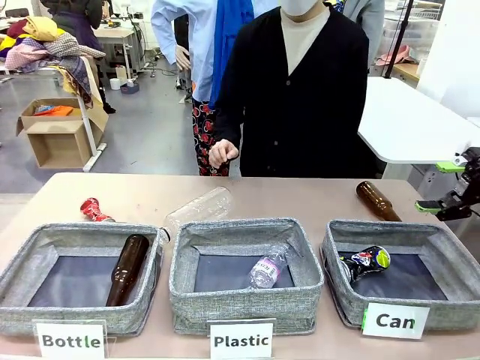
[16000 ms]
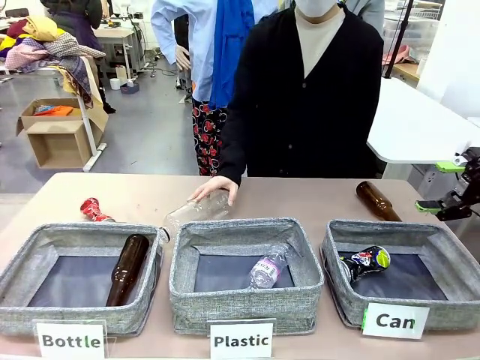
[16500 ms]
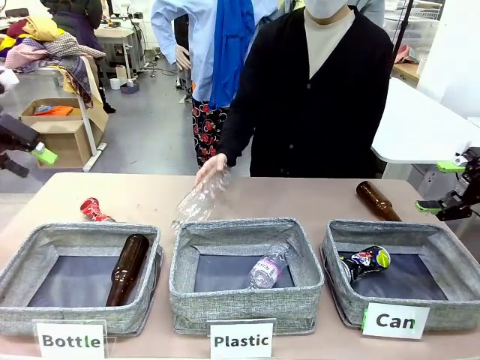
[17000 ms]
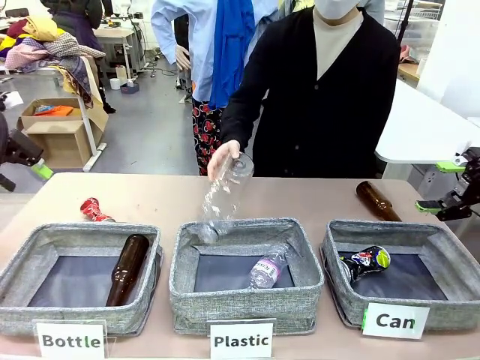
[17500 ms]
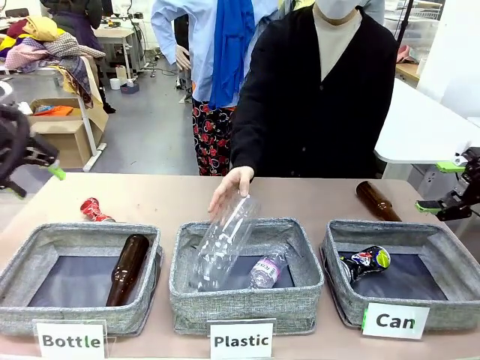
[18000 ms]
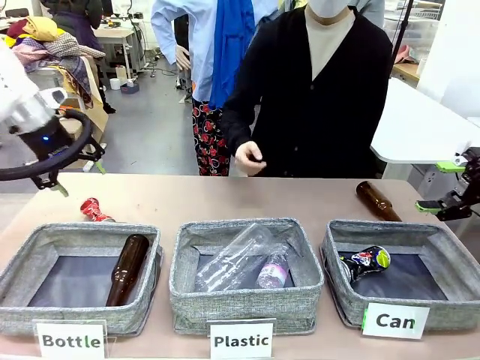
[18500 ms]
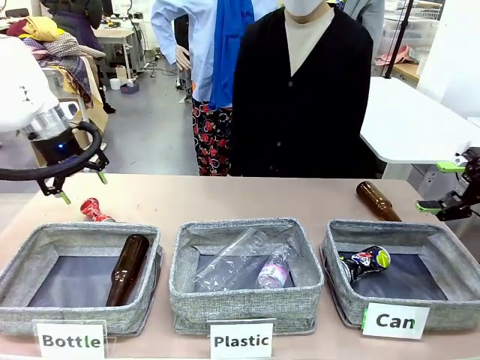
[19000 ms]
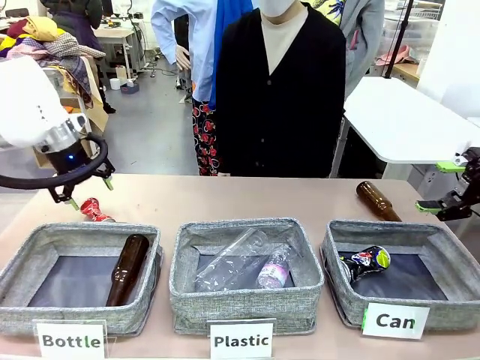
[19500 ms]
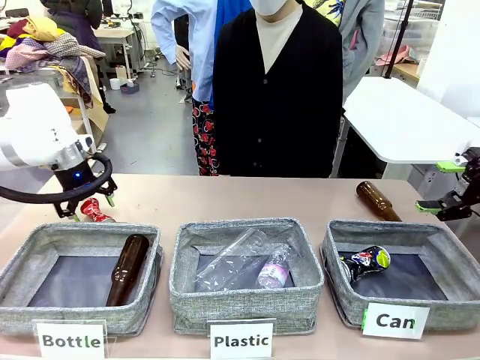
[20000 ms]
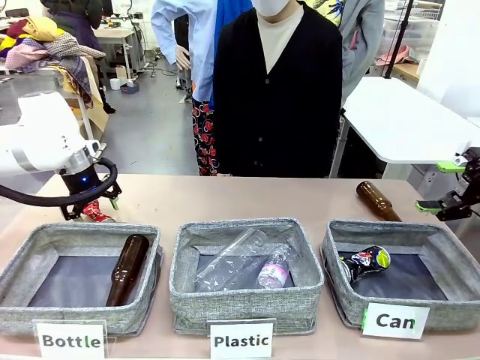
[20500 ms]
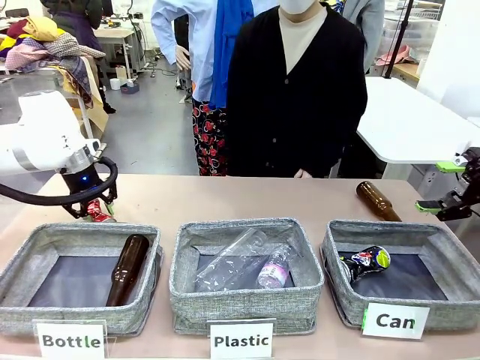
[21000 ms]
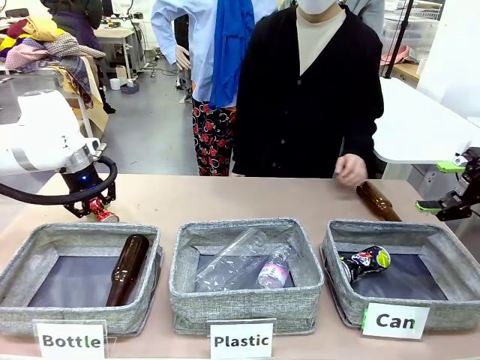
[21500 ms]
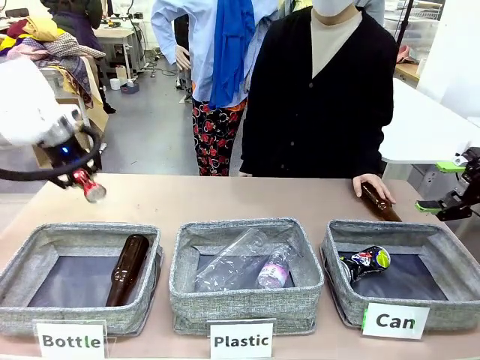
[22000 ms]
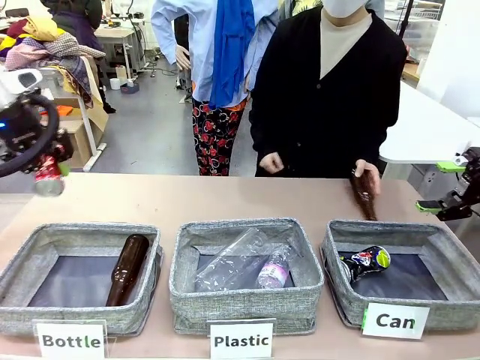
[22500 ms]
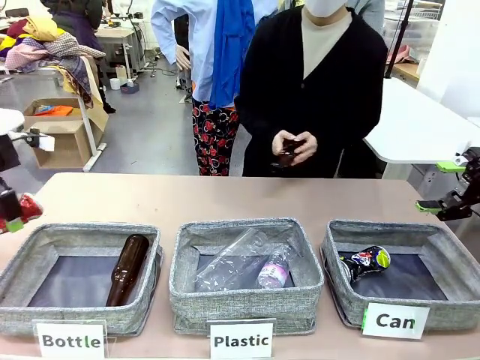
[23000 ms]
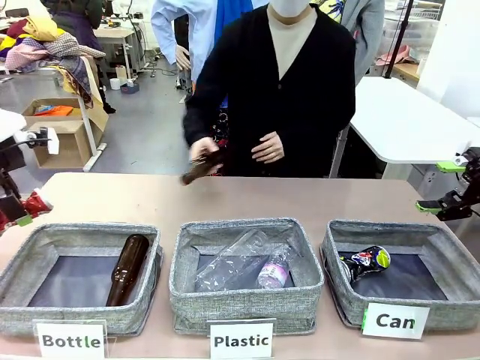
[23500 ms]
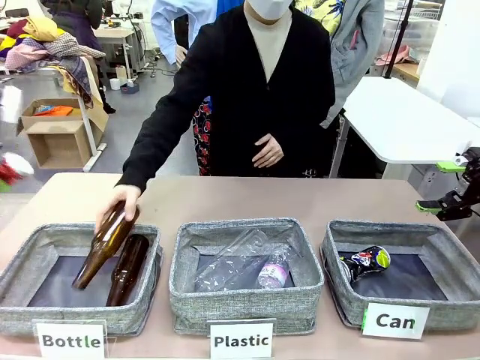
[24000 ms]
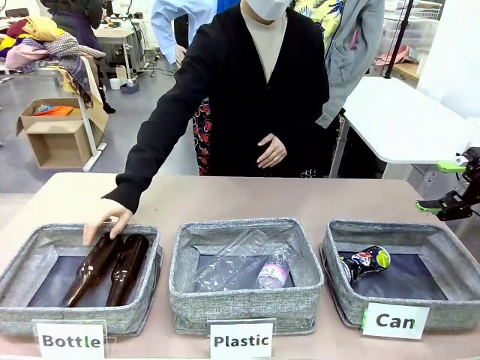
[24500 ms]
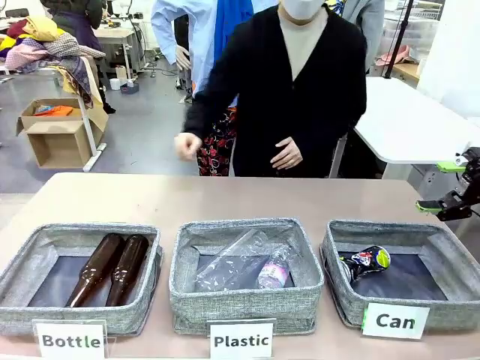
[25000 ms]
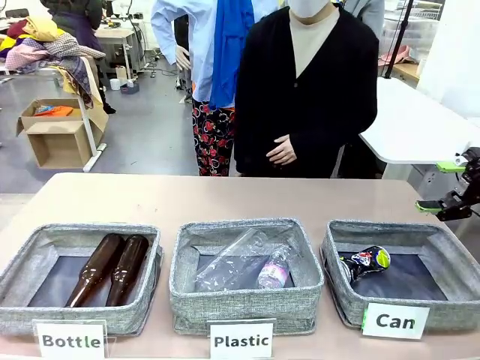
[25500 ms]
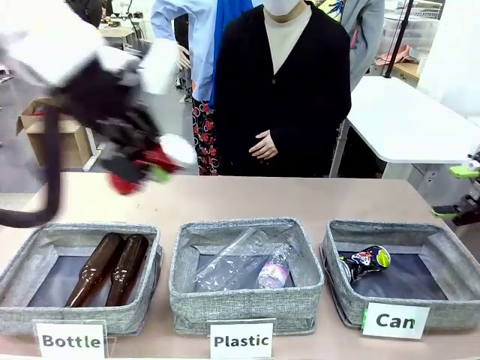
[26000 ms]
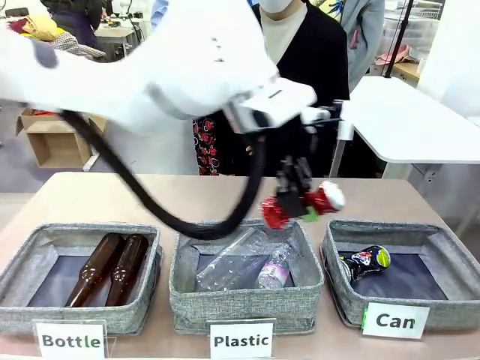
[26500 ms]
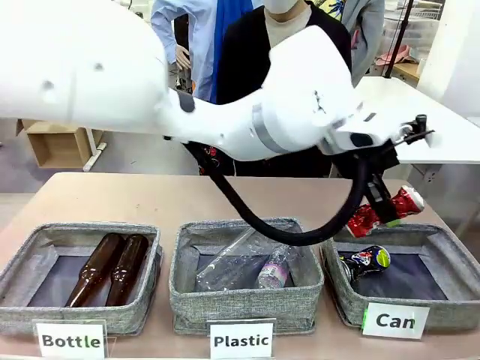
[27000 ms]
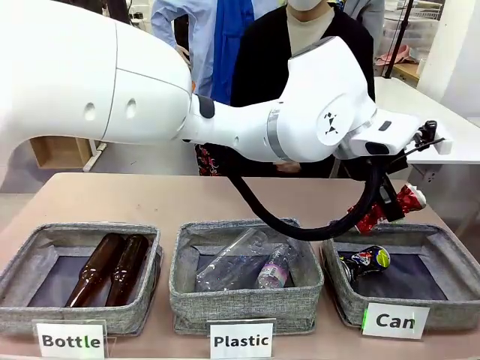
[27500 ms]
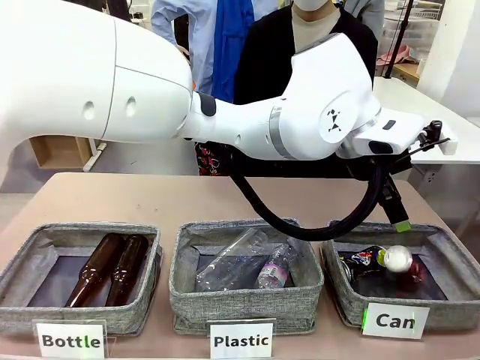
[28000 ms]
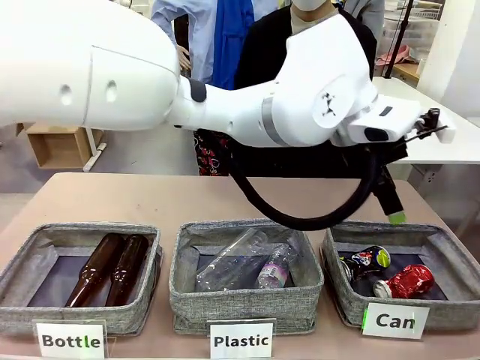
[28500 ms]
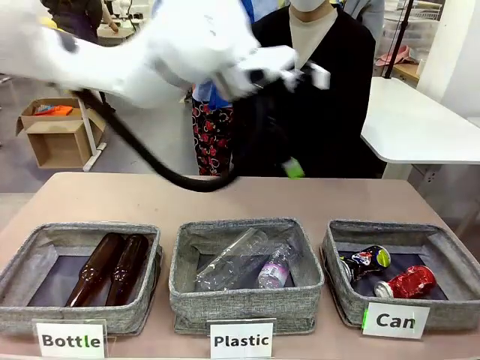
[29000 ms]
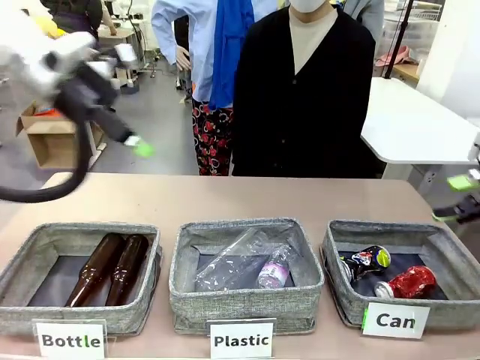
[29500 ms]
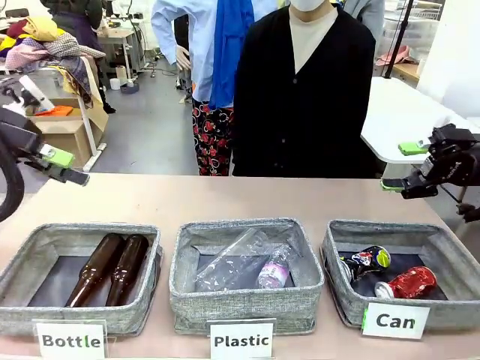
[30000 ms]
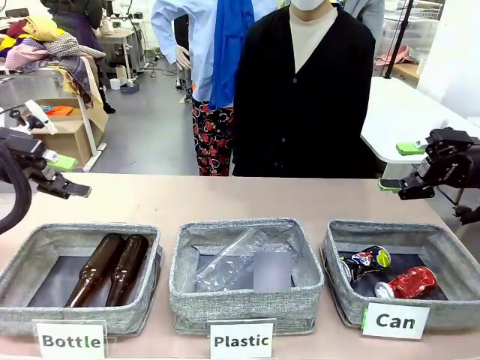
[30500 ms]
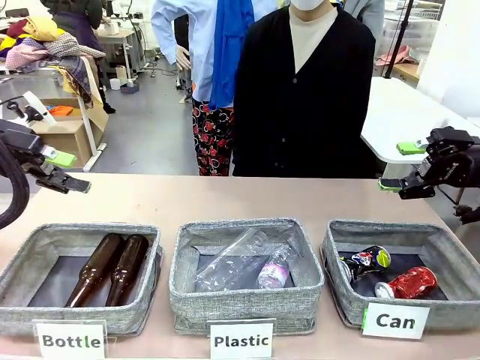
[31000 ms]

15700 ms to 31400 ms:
Task: Sort the can waste into the basket.
Robot: Pick up the can waste from the table and place it in the right Fabric basket.

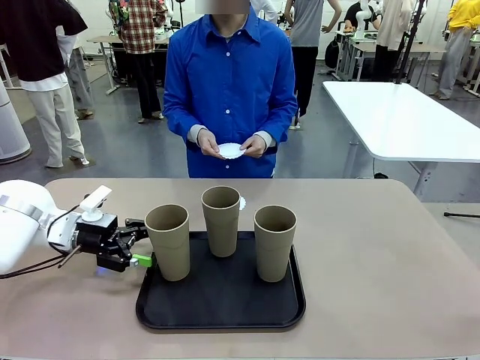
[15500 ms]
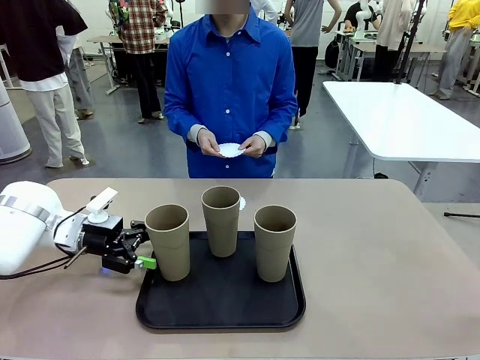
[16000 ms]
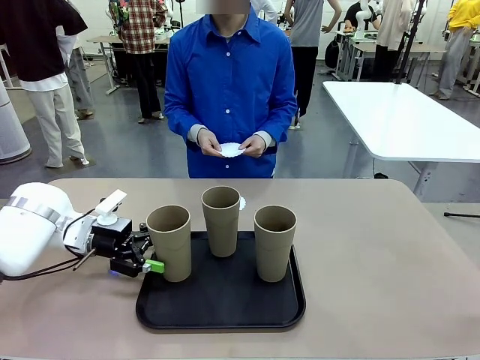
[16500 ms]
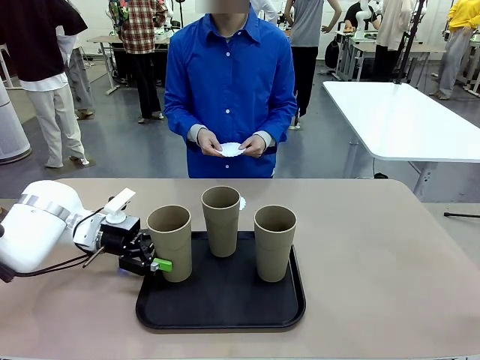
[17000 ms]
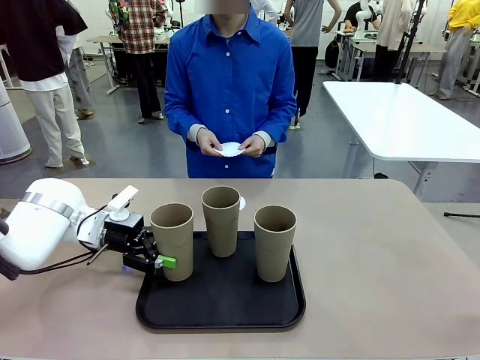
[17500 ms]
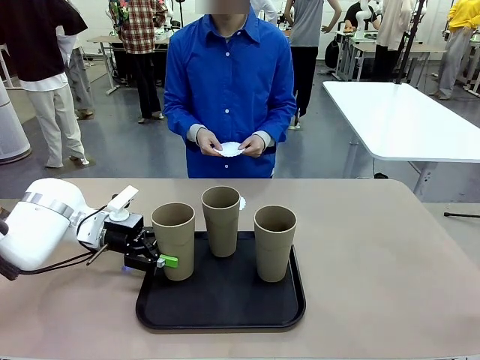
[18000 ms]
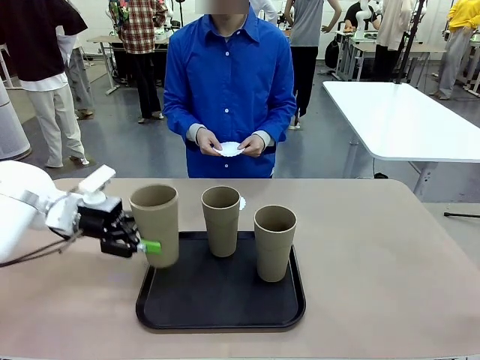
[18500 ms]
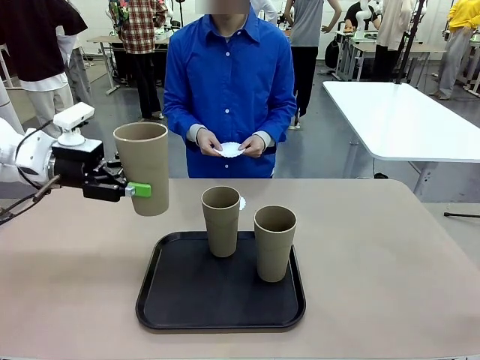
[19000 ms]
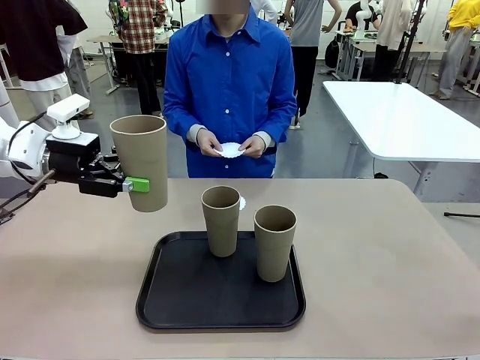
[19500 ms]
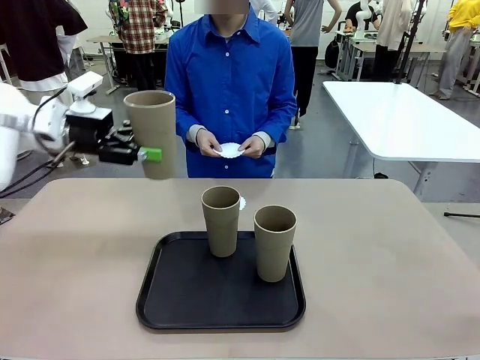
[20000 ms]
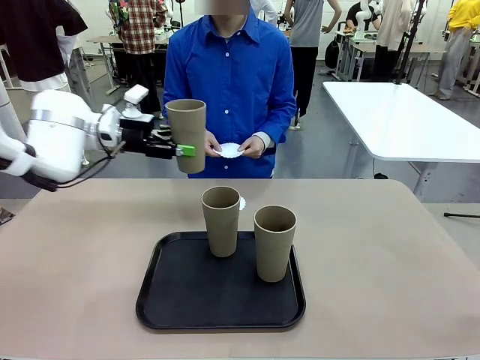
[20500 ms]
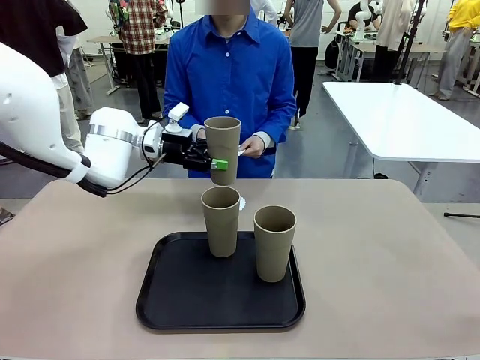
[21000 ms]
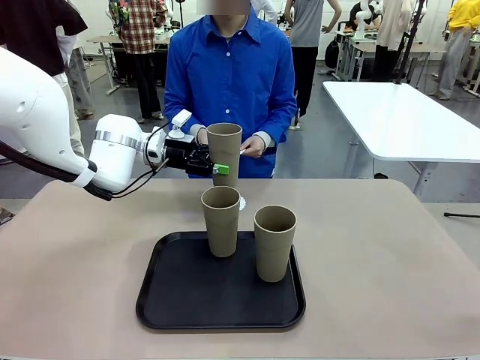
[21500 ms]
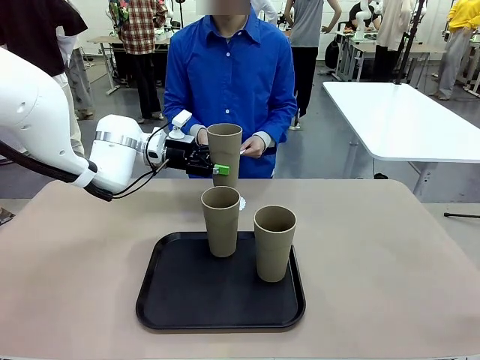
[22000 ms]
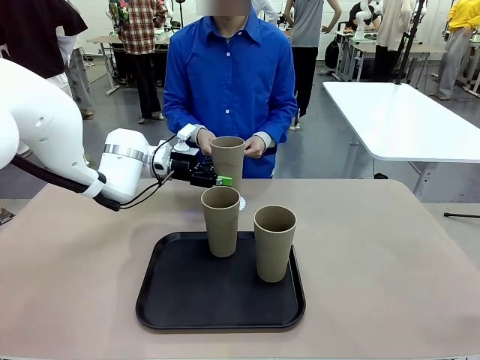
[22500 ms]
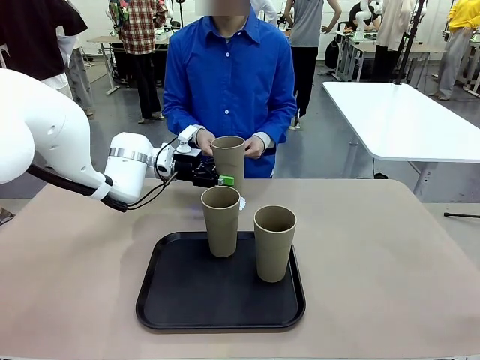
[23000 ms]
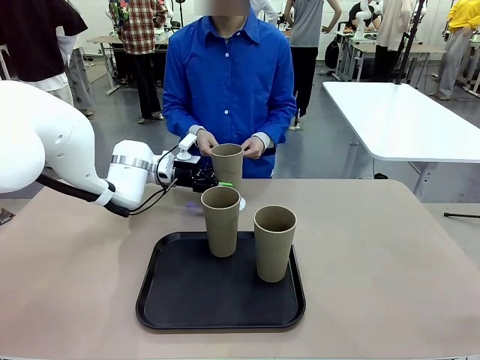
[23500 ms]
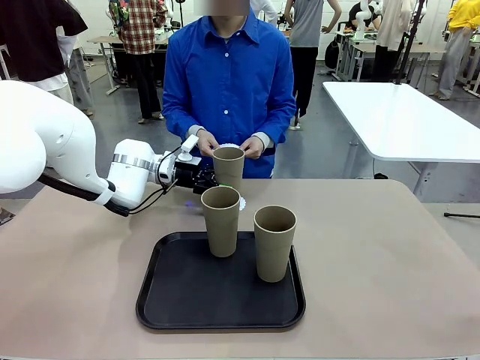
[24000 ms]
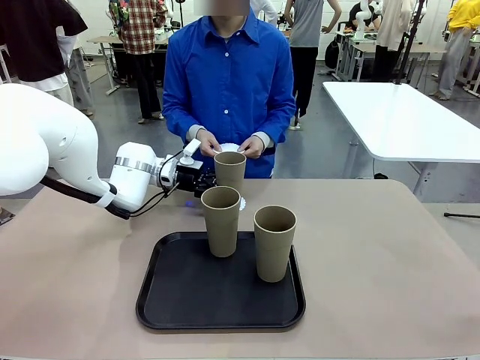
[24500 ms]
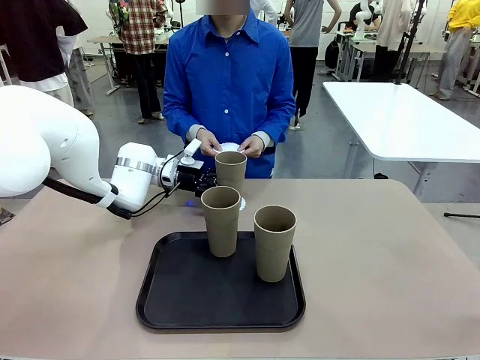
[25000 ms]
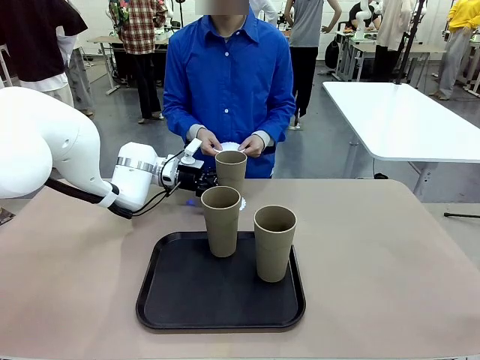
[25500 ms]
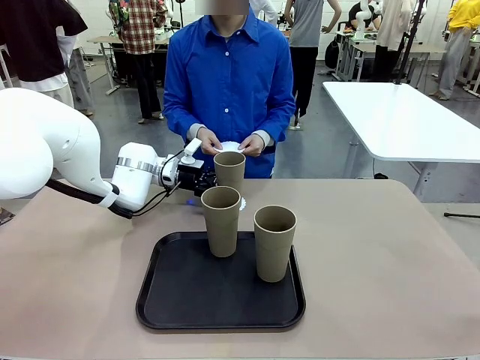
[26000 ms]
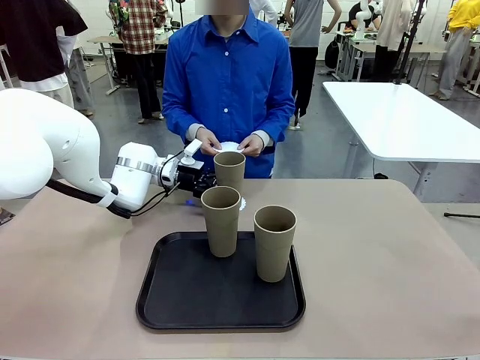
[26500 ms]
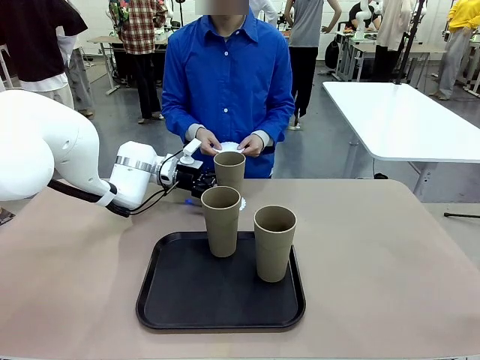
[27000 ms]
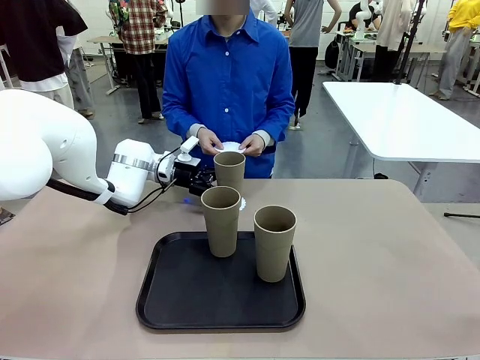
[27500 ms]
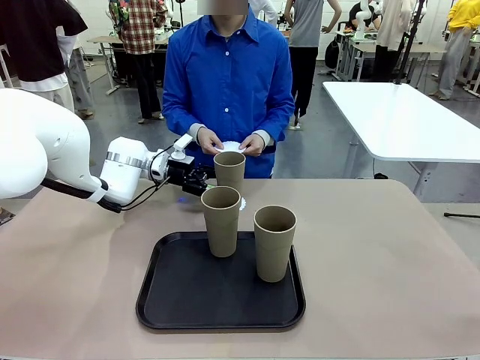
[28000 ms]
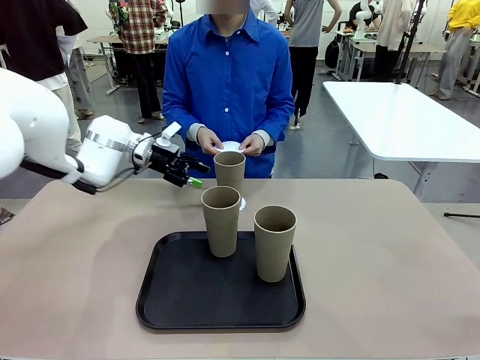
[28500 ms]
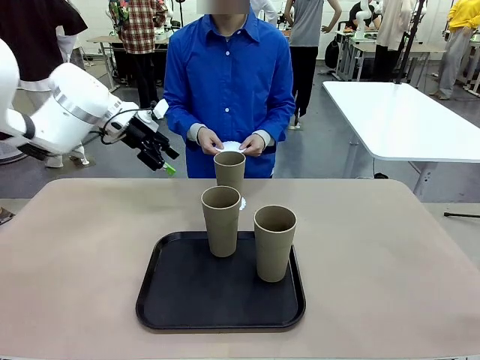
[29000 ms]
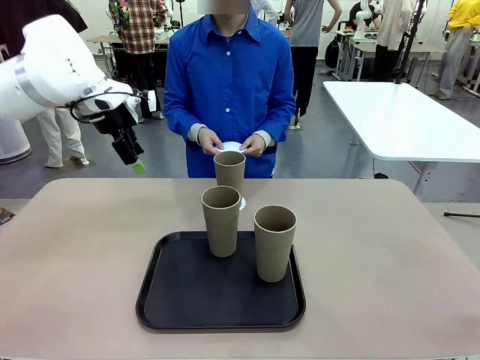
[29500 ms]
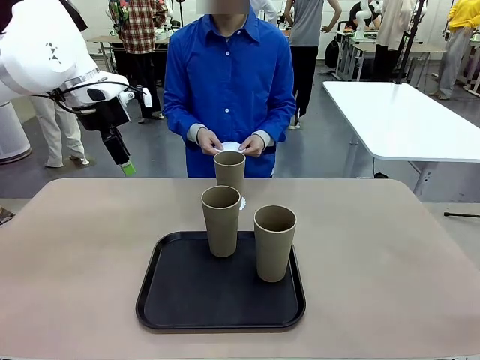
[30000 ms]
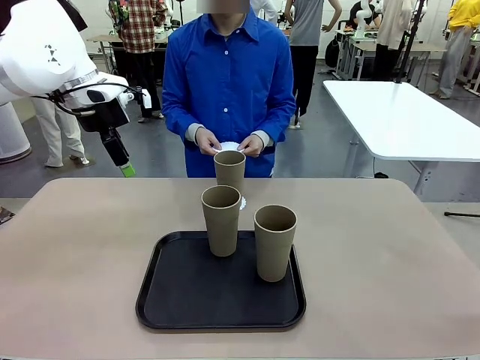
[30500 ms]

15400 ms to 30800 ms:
Task: Place coasters on the table and set cups on them.
Robot: Pick up one Reusable plastic cup and place it on a coaster set by the human.
Person: Place one coaster in one of the two areas excluding the previously selected area.
